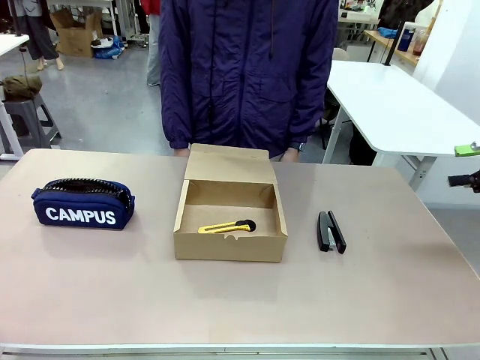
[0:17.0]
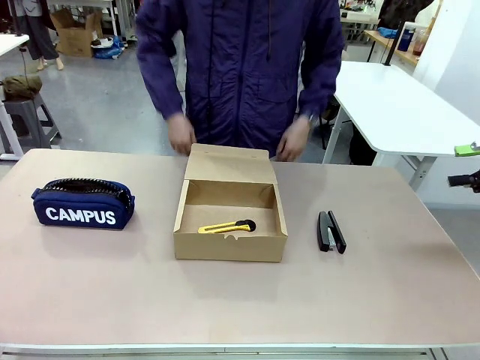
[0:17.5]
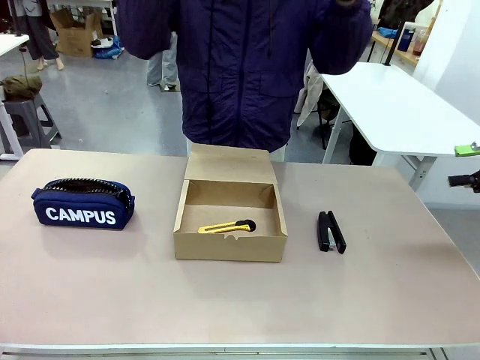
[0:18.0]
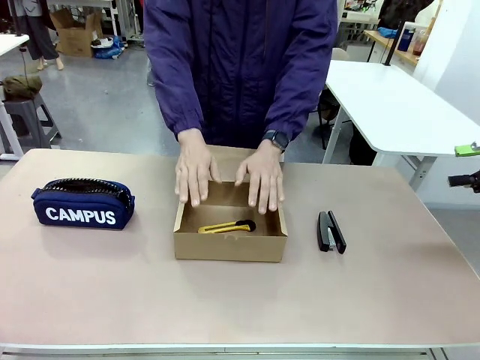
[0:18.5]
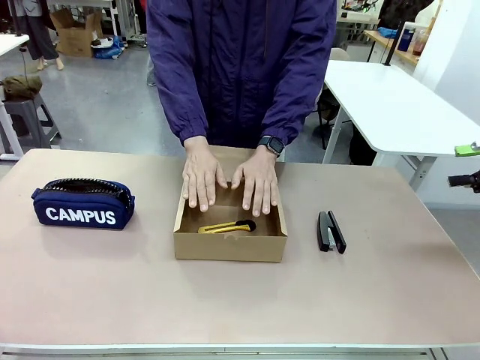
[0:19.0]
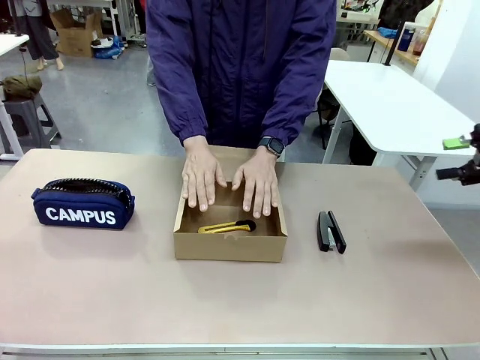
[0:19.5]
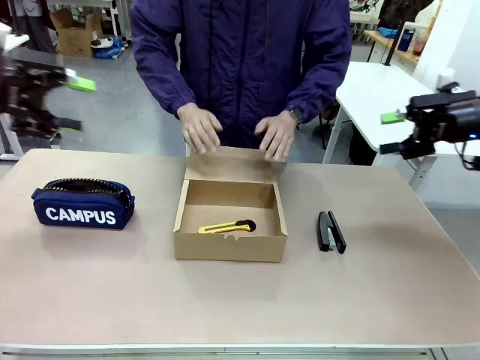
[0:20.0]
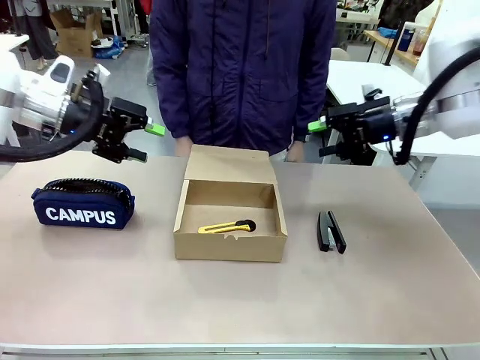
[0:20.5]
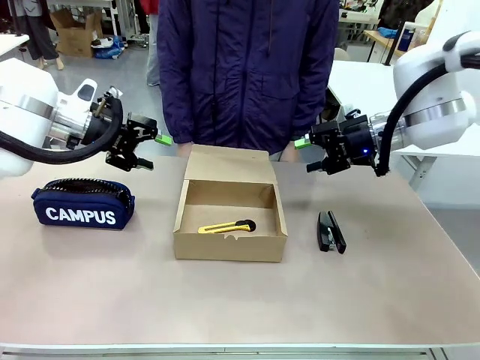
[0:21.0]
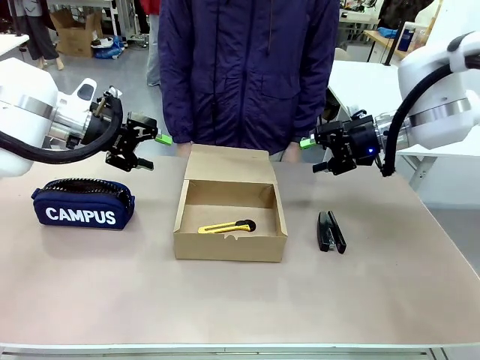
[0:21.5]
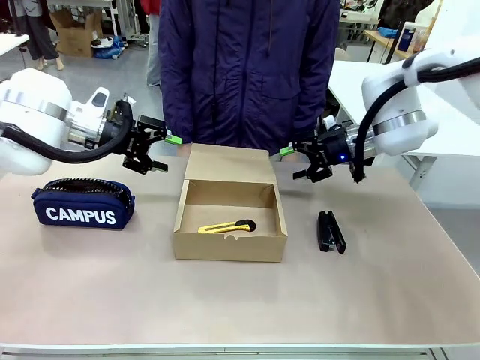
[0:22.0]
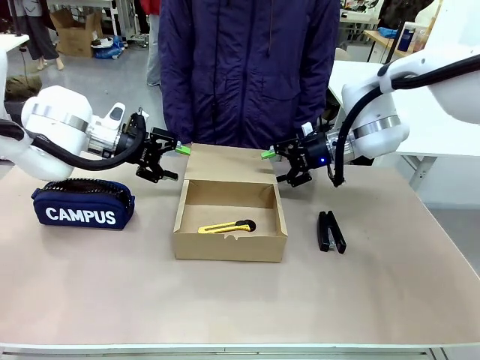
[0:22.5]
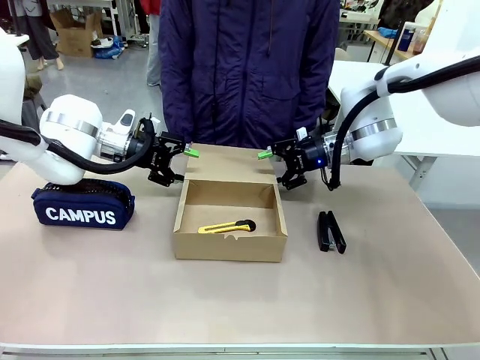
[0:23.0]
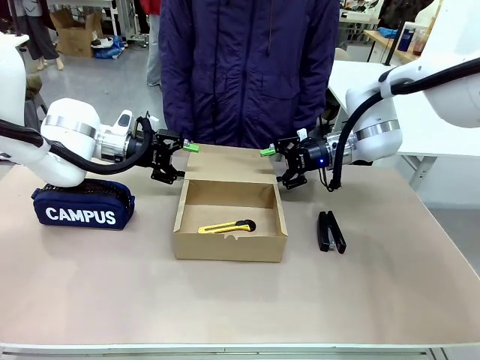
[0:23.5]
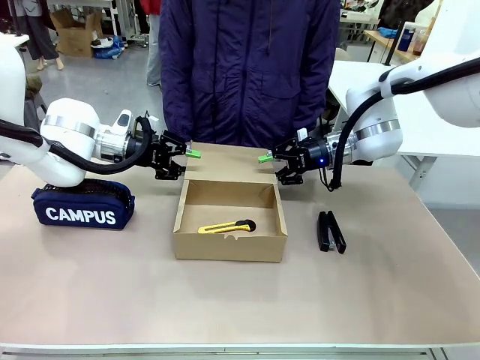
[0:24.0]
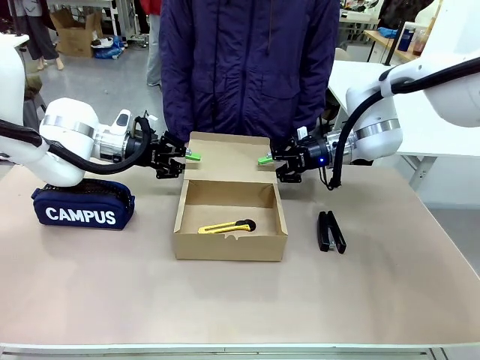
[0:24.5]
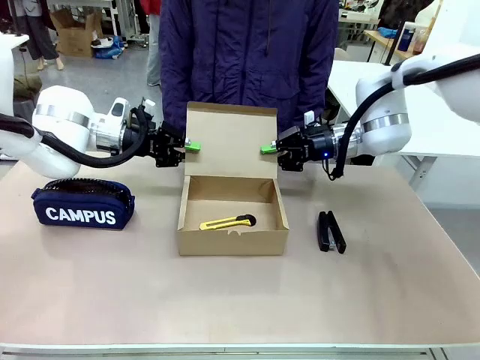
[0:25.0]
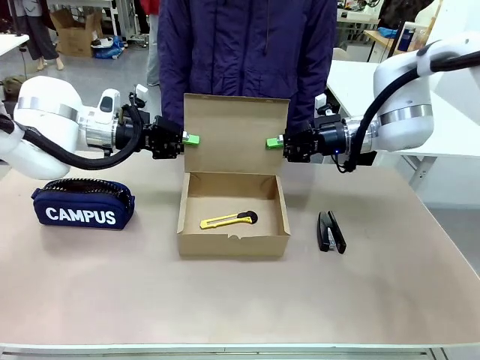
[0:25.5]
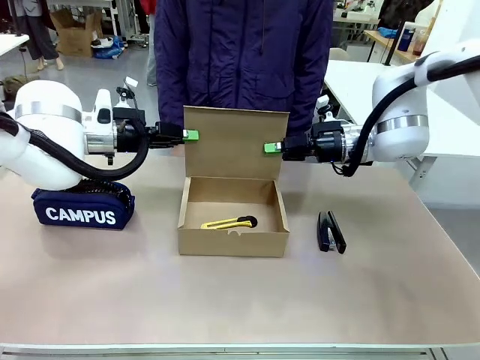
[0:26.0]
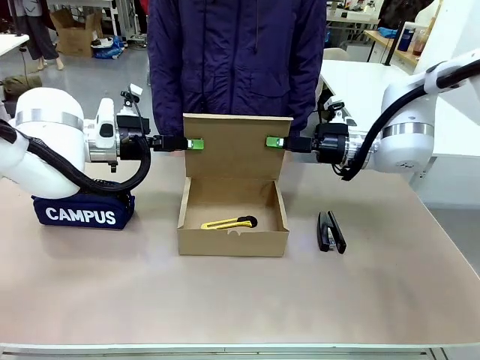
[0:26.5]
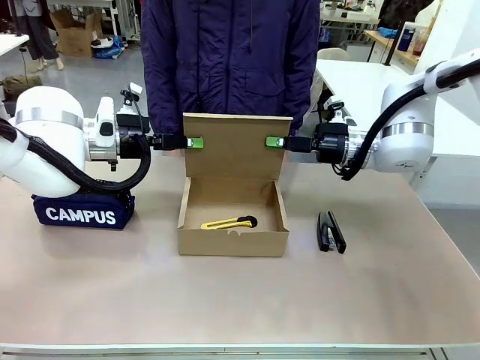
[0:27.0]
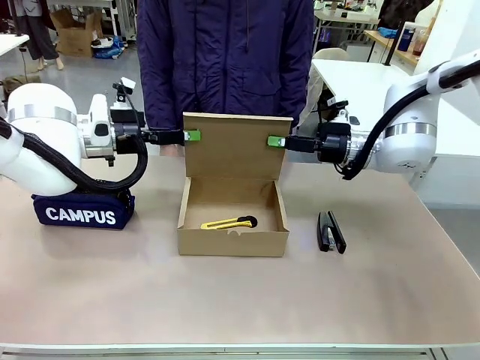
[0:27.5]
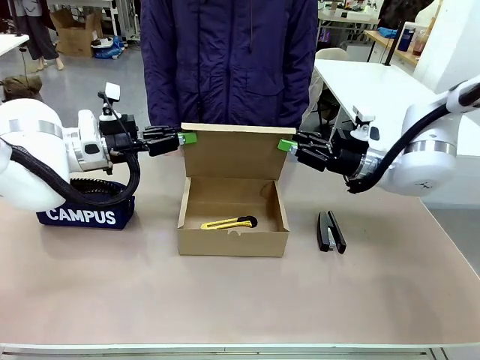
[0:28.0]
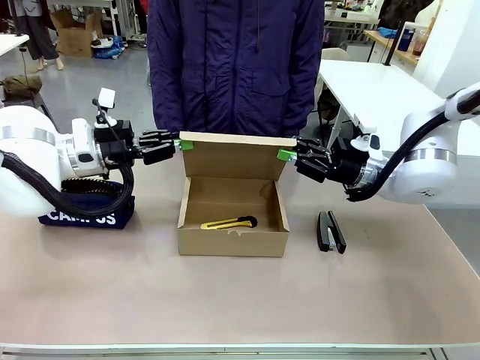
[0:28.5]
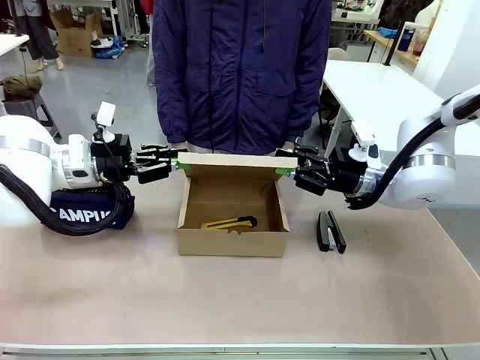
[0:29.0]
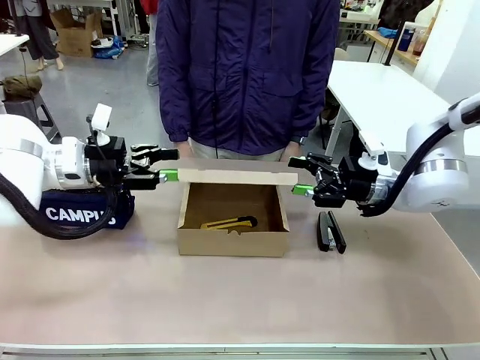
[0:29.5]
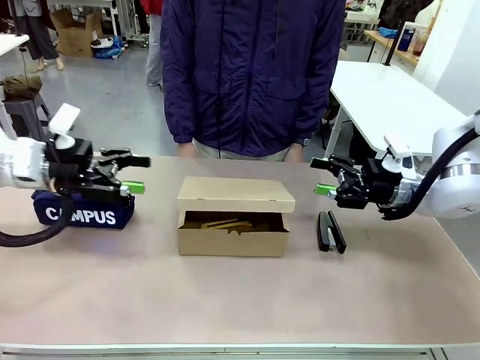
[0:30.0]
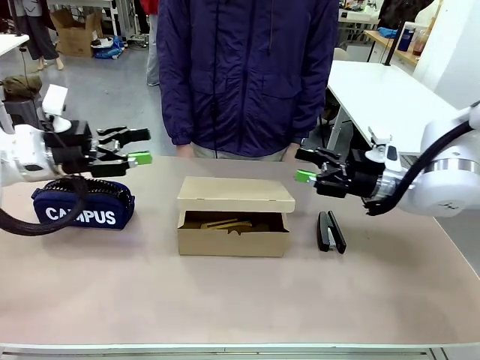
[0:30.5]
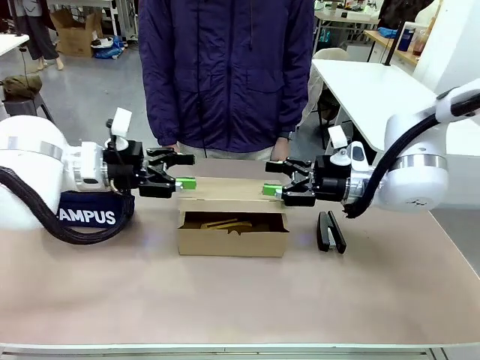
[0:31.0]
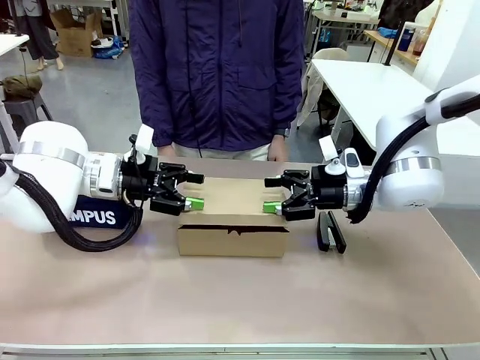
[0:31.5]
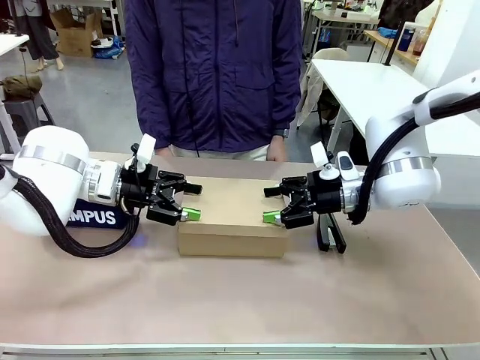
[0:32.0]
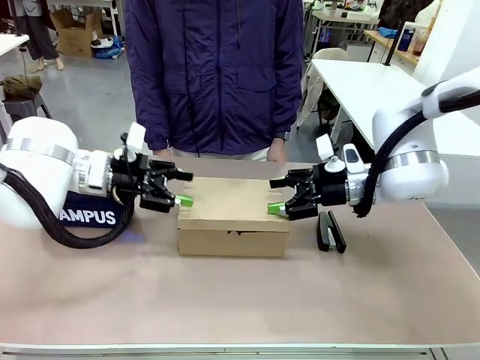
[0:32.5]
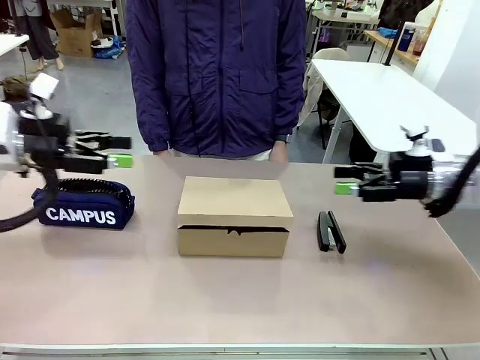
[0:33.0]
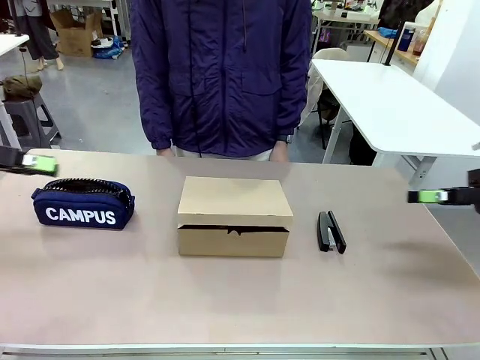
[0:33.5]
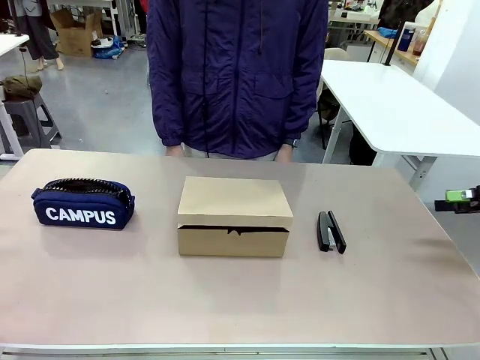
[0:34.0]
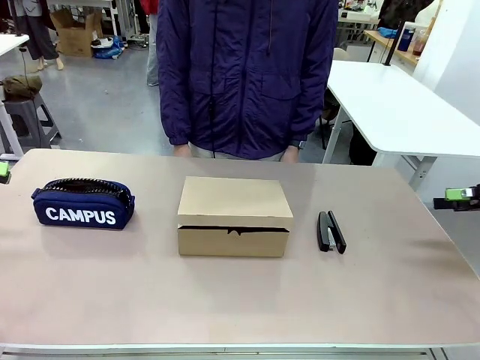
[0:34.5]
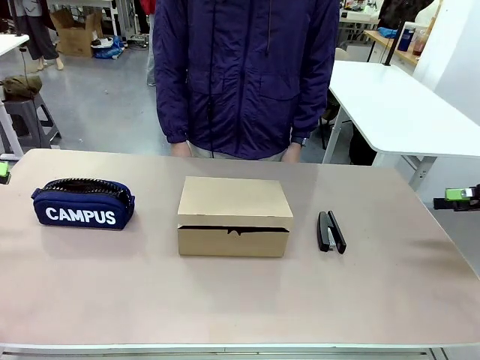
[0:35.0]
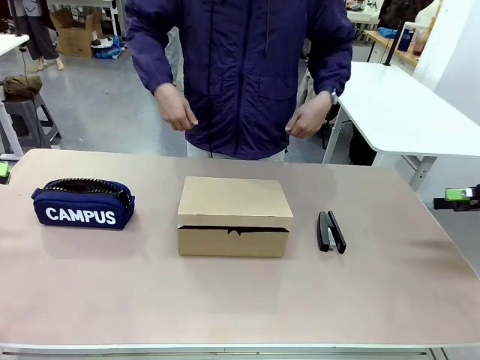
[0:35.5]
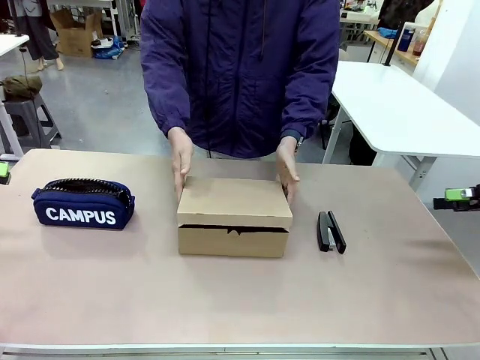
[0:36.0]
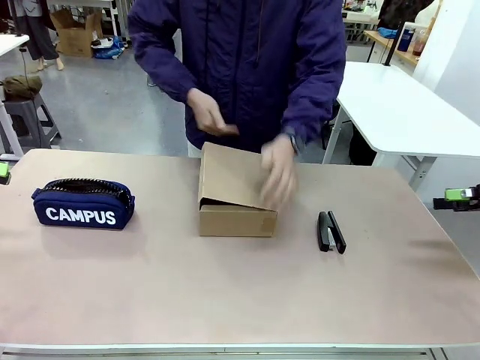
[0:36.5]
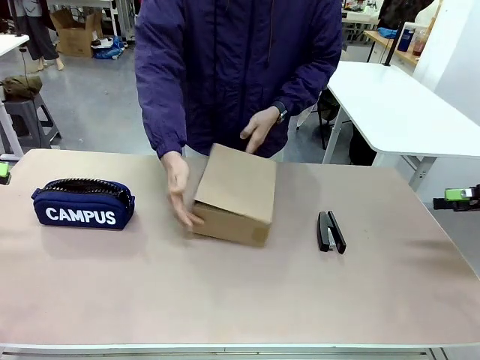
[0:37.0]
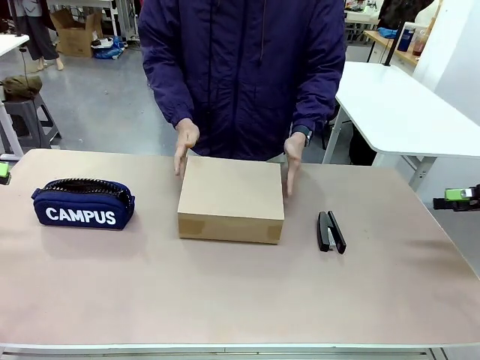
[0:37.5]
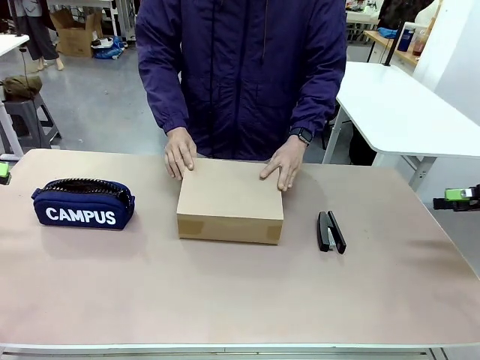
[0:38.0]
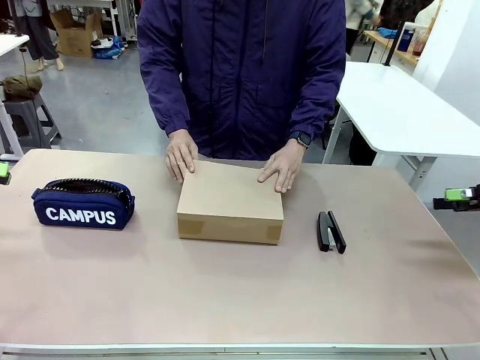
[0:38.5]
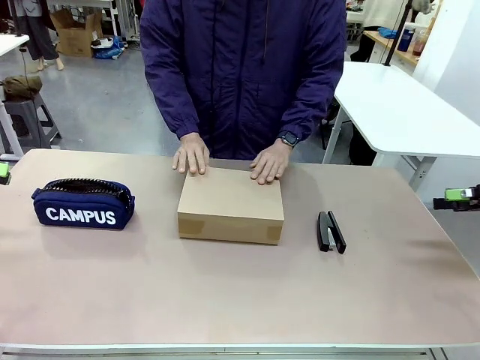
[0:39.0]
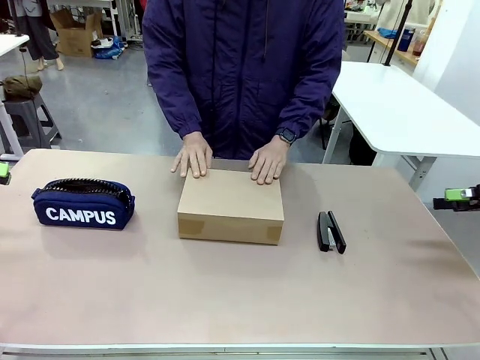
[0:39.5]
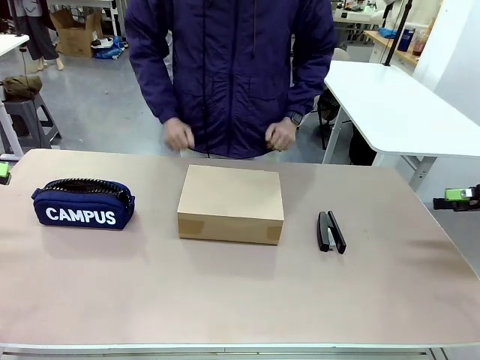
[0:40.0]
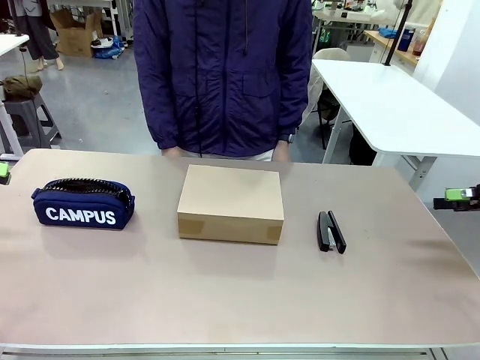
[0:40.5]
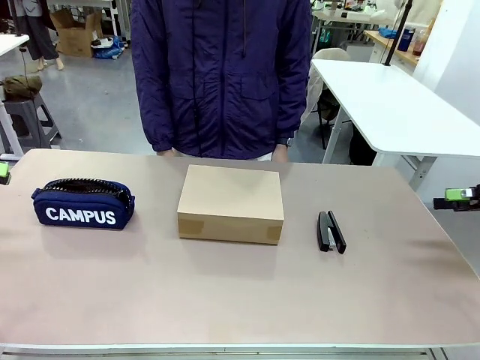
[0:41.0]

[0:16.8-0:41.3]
Task: Pack the item into the box.
Robot: Close the Mailer Box.
Person: Lower both hands vertically with palms facing downward, as if pressing something closed. Turn the box and lock it.
